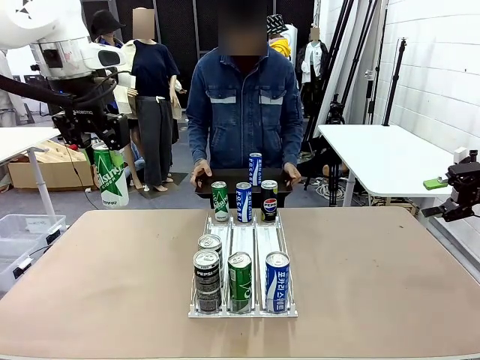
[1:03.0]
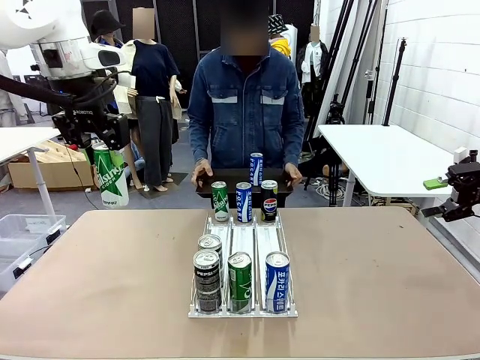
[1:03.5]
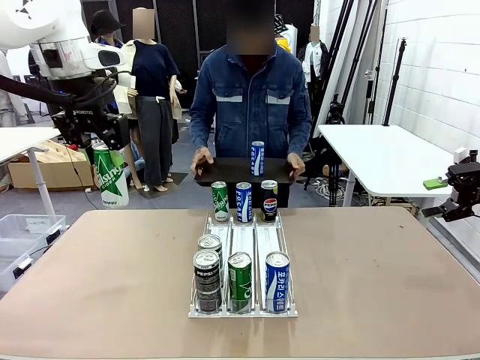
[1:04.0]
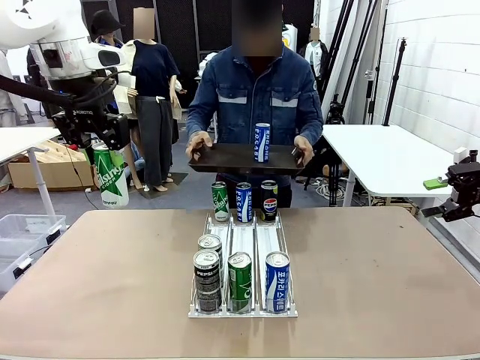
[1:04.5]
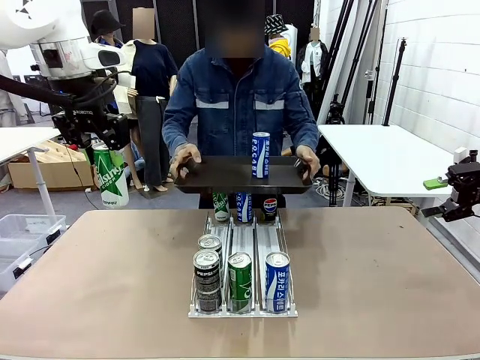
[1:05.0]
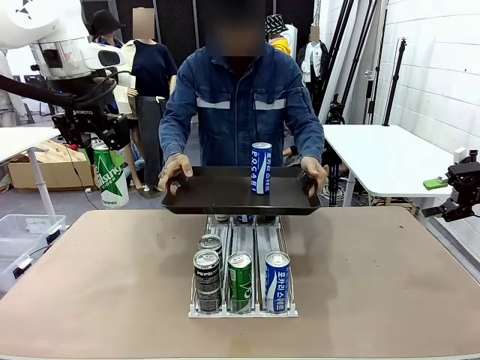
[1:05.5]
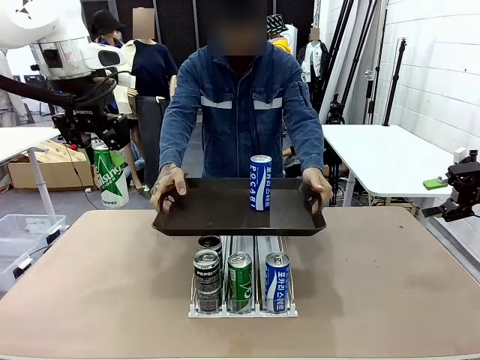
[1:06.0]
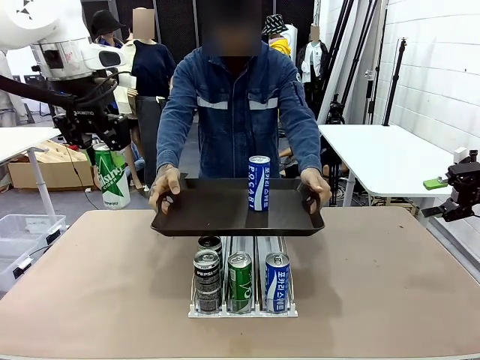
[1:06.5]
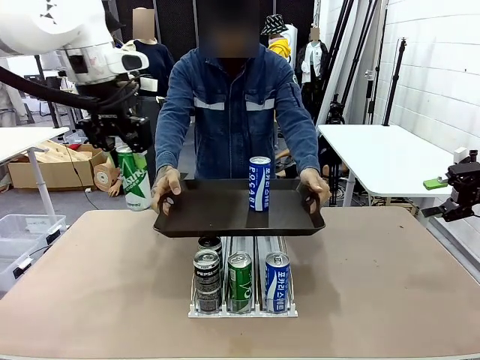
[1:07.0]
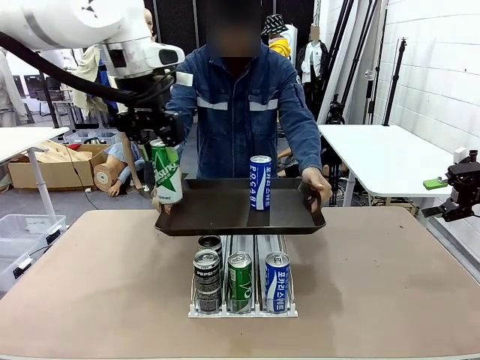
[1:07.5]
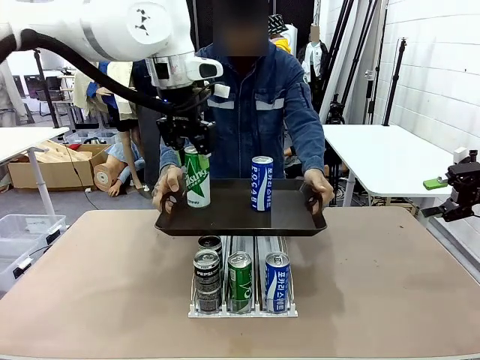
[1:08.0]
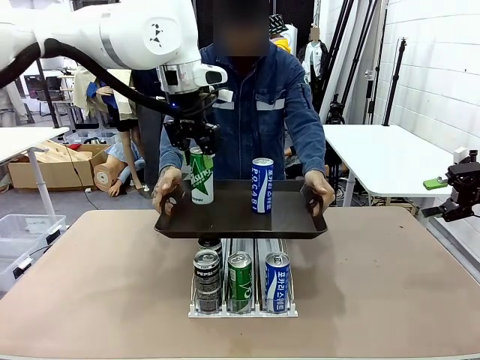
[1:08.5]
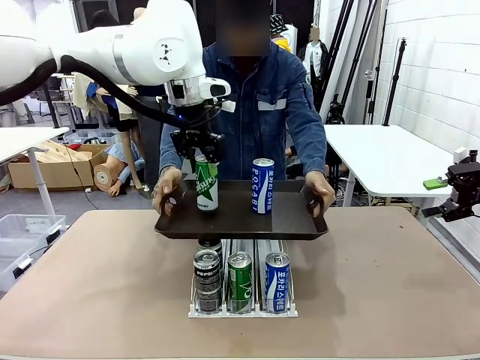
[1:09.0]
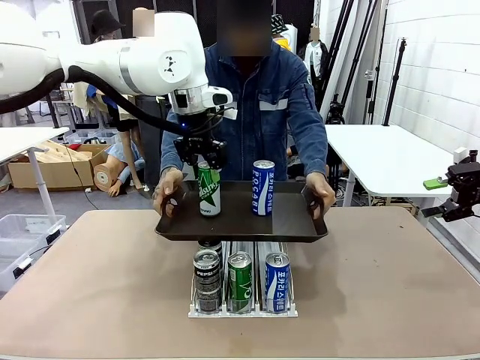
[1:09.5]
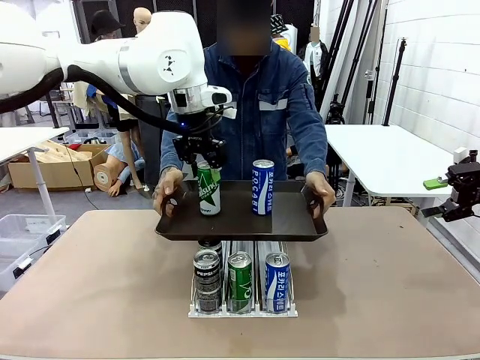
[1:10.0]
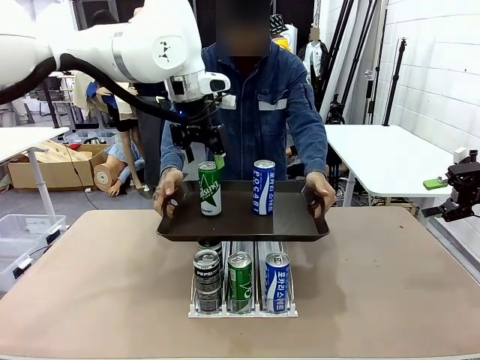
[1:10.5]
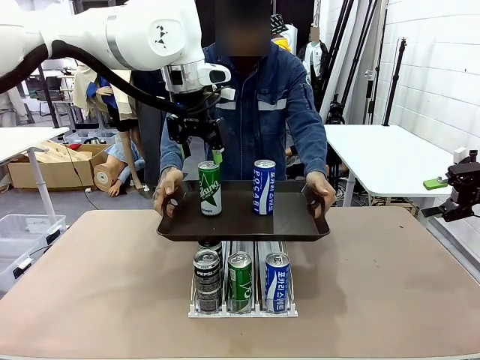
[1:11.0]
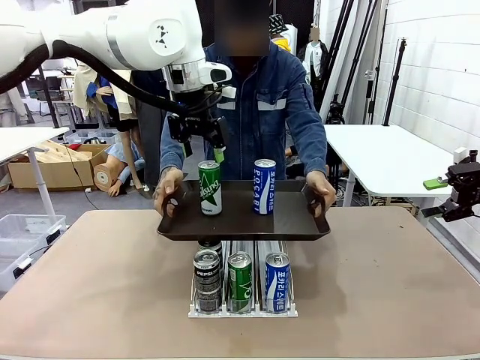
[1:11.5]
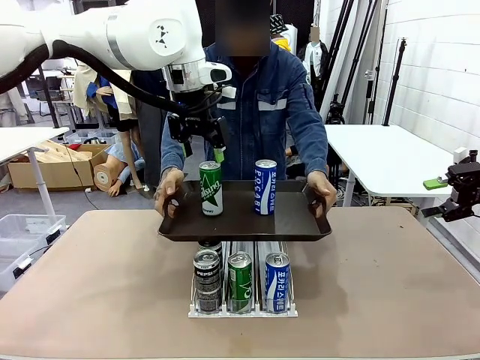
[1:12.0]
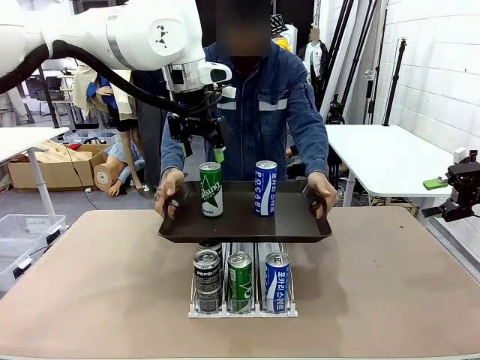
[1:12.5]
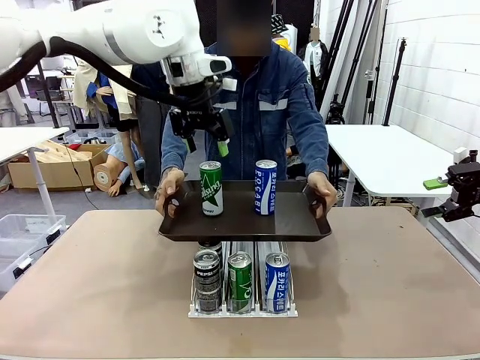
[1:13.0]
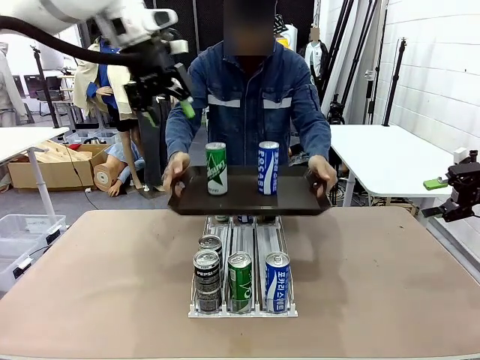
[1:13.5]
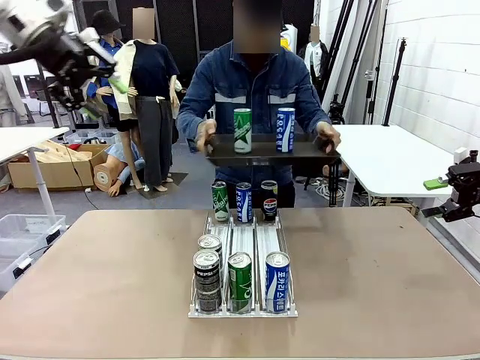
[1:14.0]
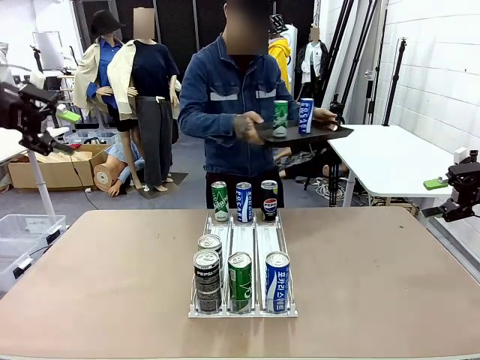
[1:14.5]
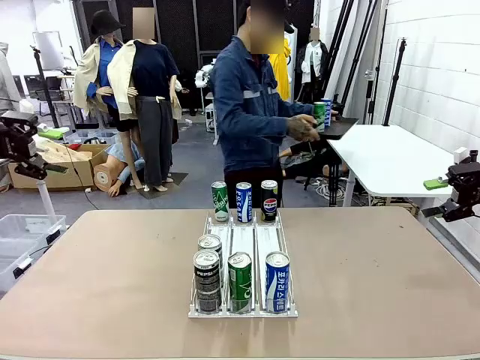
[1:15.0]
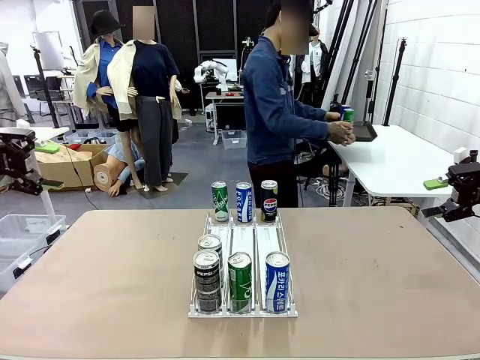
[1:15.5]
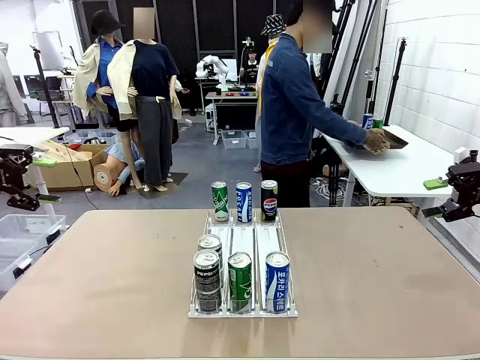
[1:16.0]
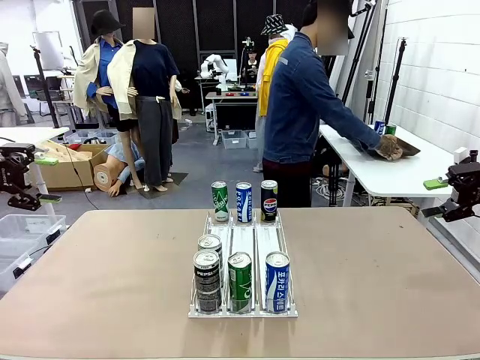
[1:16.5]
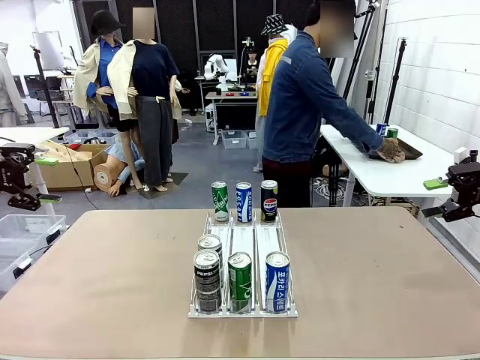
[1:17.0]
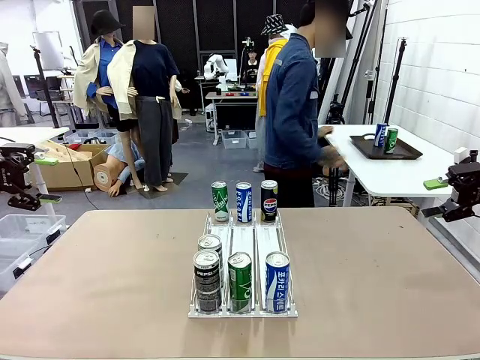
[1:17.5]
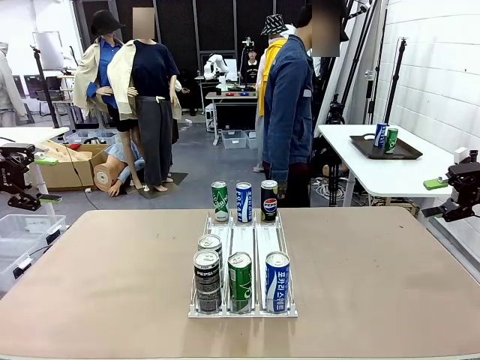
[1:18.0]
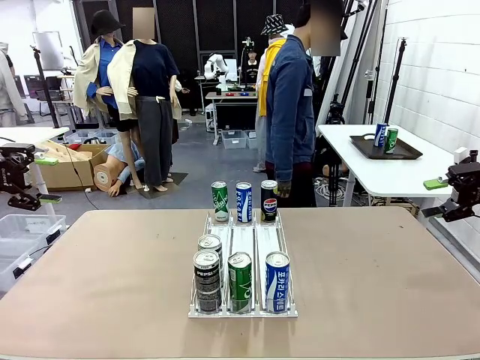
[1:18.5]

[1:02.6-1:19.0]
Task: Retrieve and hand over the desired beverage to the person.
Robot: Place the picked can on the Handle tray extended by the person.
Person: Pull the tray back and place it at the center of the human table.
